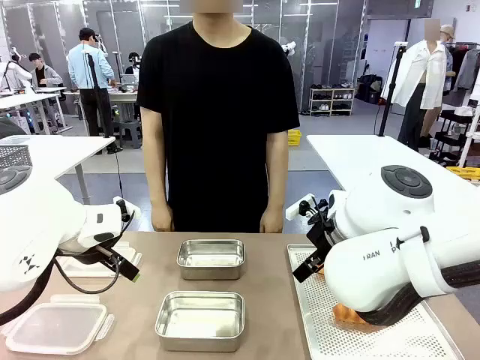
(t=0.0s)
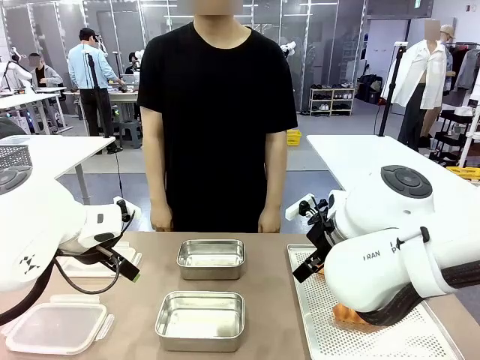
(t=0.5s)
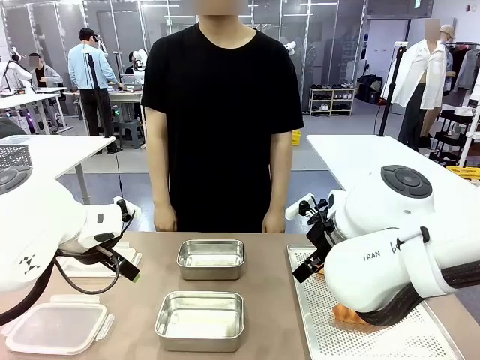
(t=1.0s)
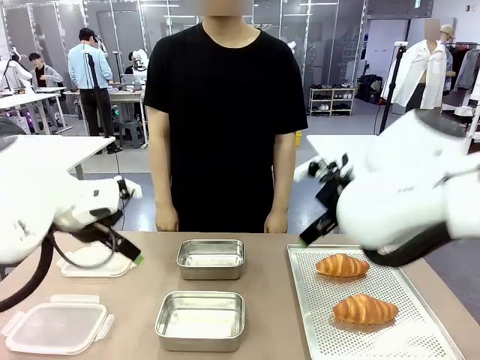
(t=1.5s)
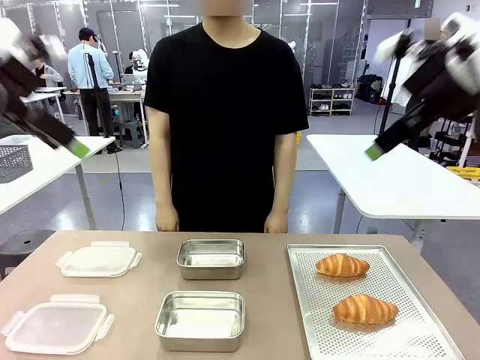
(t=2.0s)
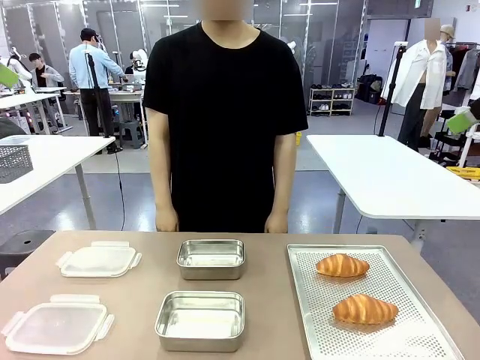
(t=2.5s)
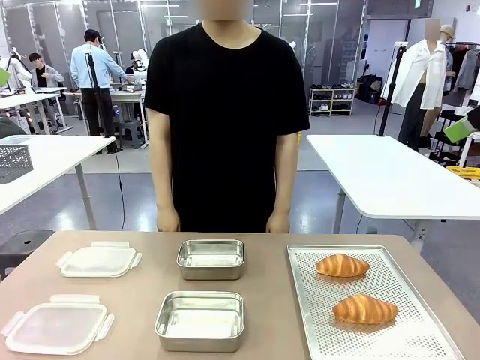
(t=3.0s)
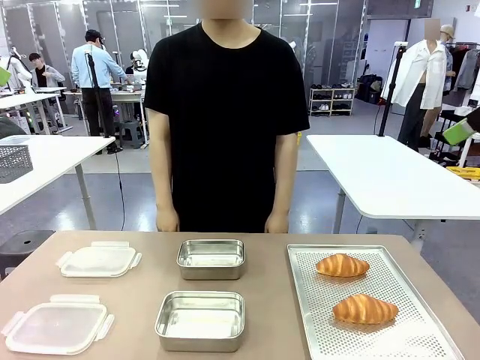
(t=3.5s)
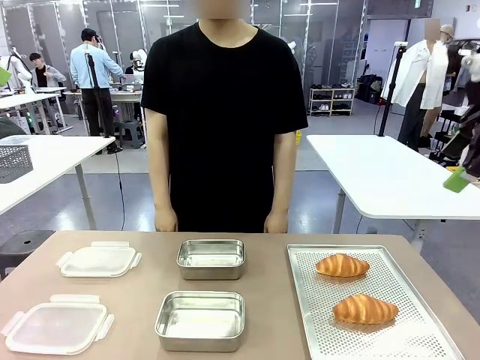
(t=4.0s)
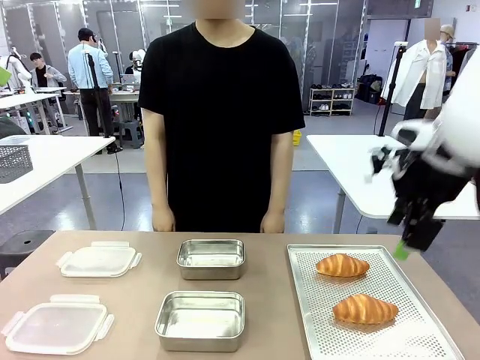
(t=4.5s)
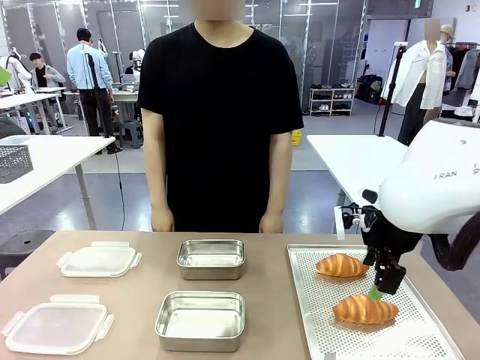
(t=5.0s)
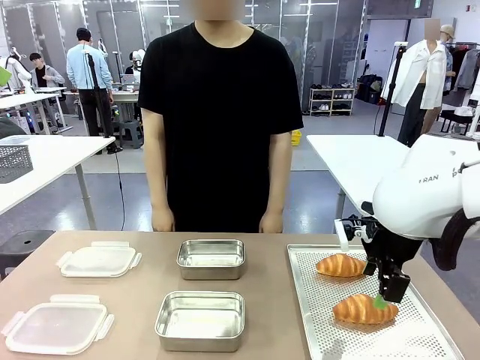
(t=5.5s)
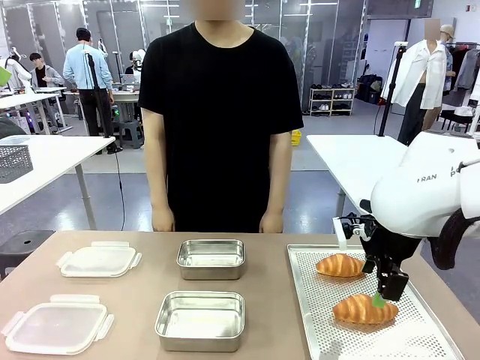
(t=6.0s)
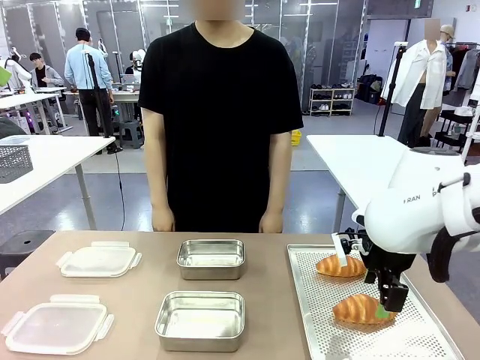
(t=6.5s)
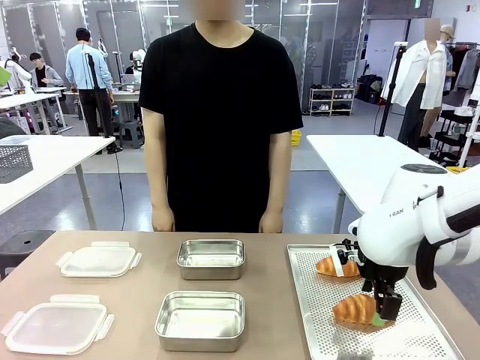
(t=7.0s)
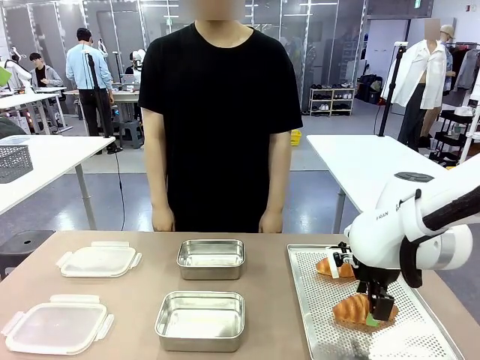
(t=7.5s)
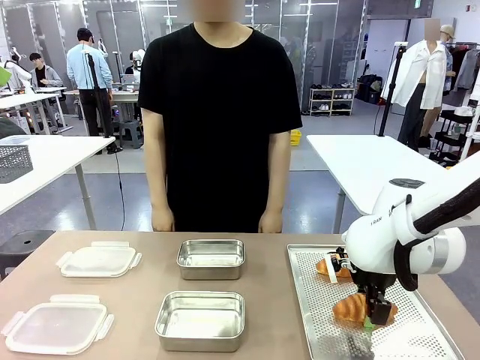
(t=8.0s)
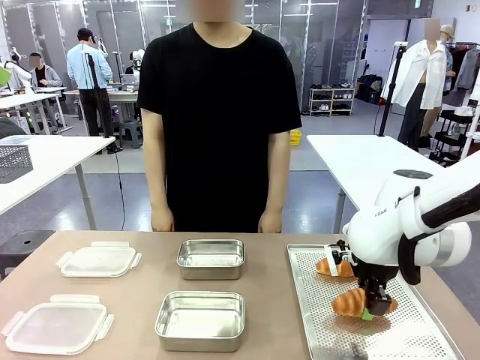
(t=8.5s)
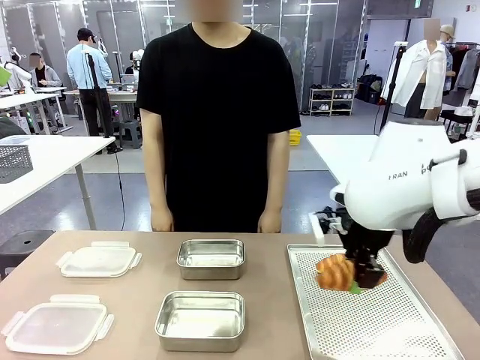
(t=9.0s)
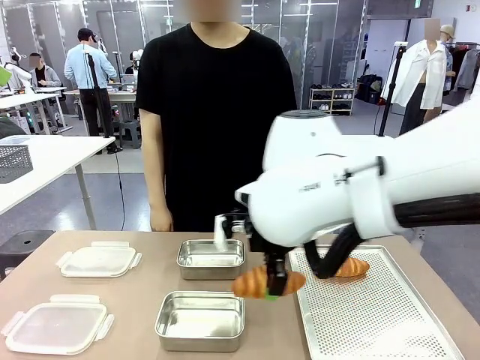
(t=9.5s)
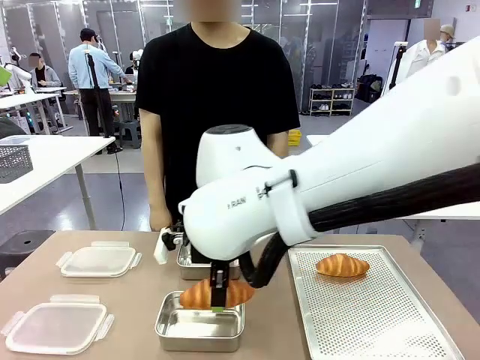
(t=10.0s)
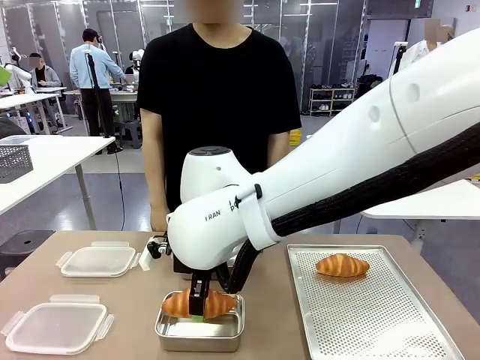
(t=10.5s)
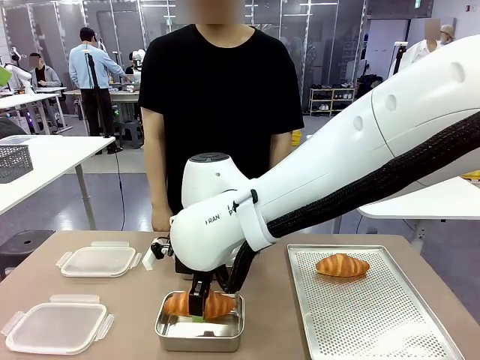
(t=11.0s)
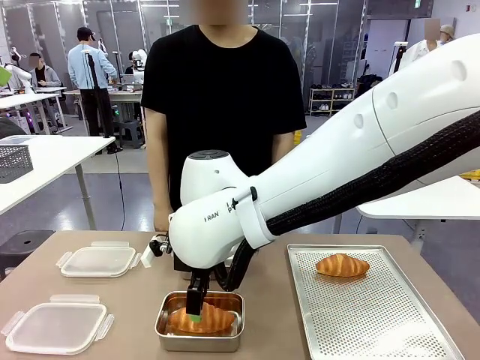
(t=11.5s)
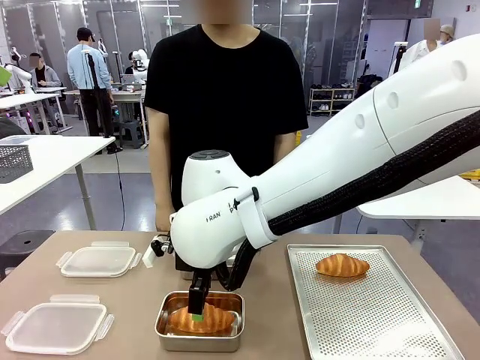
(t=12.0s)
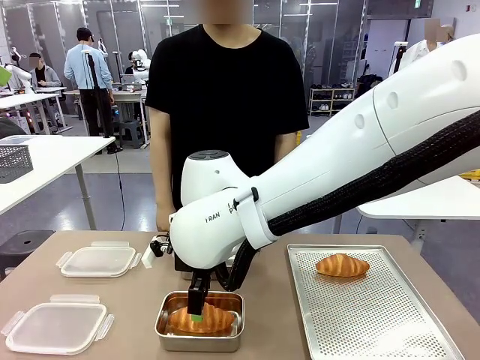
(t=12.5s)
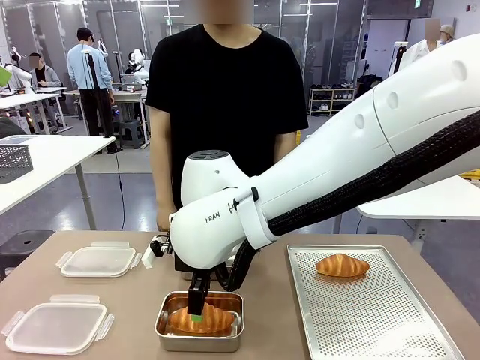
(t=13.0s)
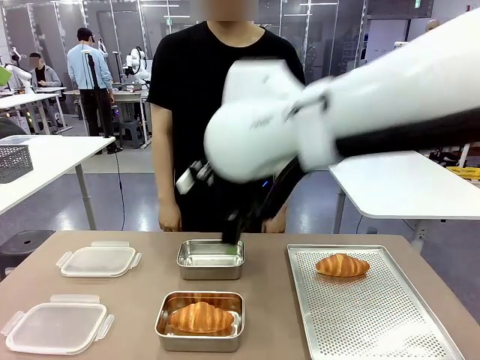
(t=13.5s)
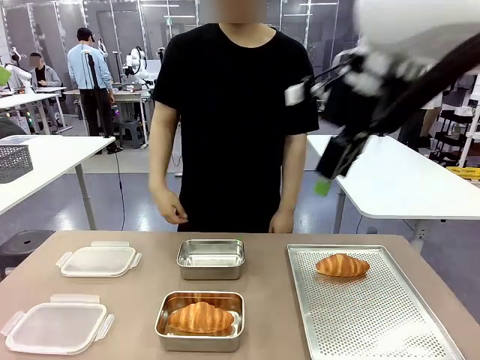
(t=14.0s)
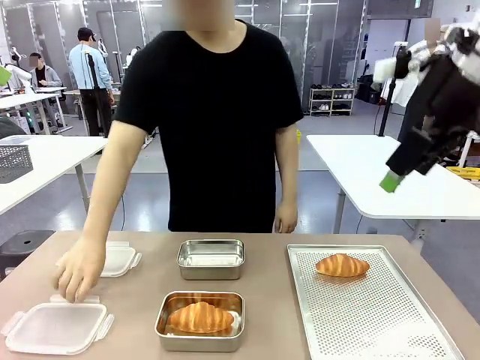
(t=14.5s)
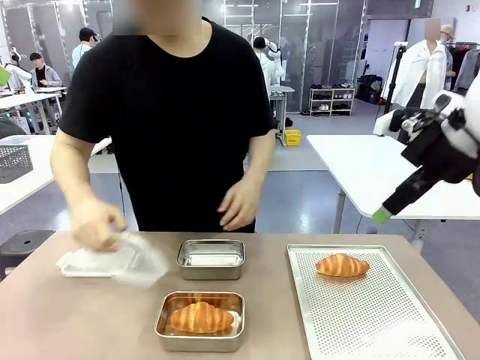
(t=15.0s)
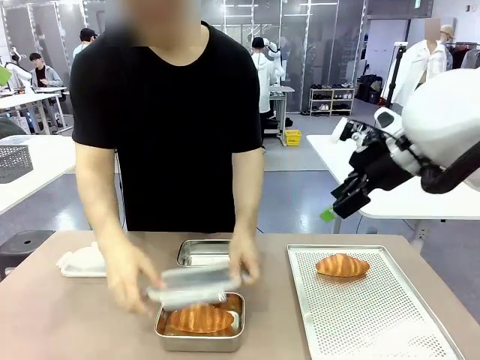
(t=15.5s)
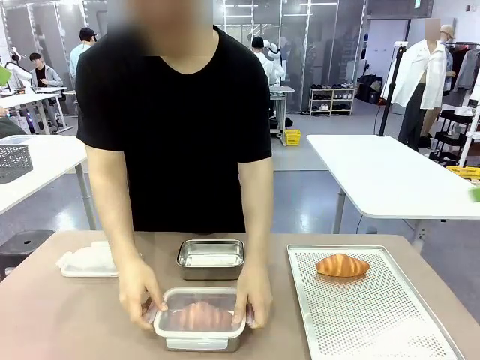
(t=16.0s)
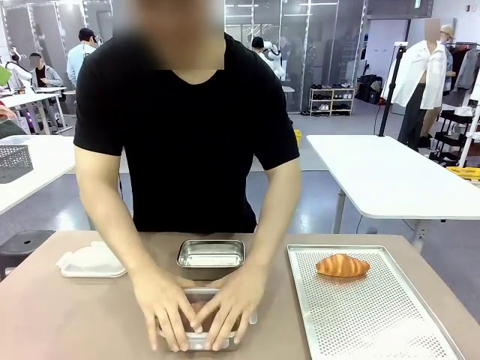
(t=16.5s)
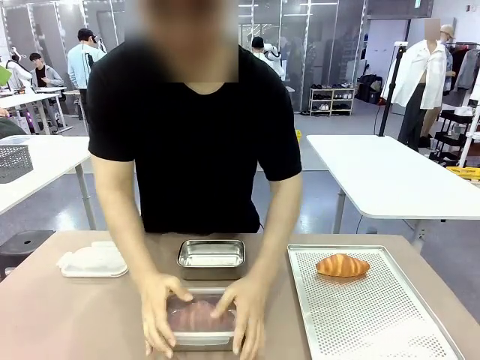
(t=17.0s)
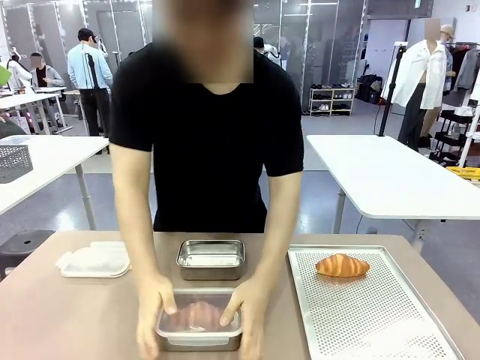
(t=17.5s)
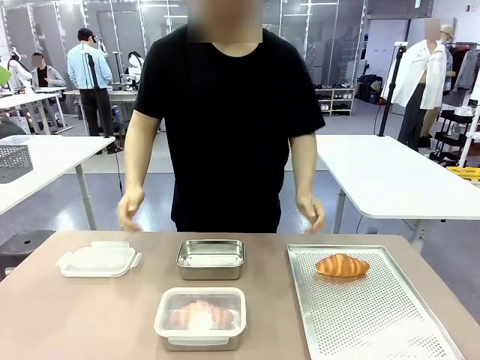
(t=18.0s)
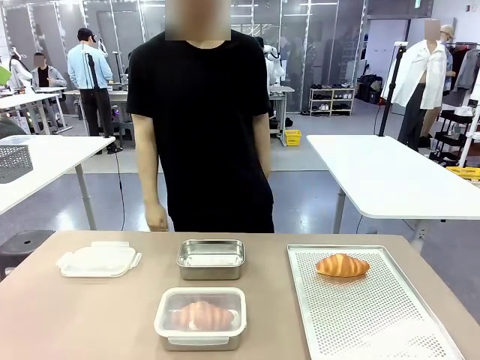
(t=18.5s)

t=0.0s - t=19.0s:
Task: Place the bread into the airtight container.
Robot: Pick up a Butter Roll and place it into an empty Airtight Container.

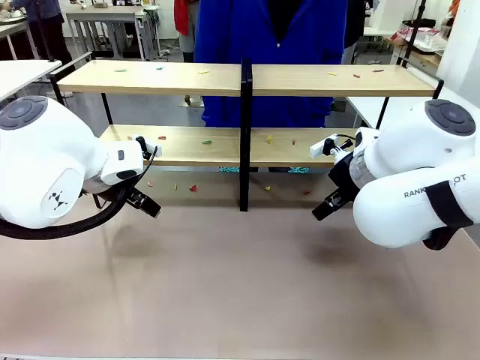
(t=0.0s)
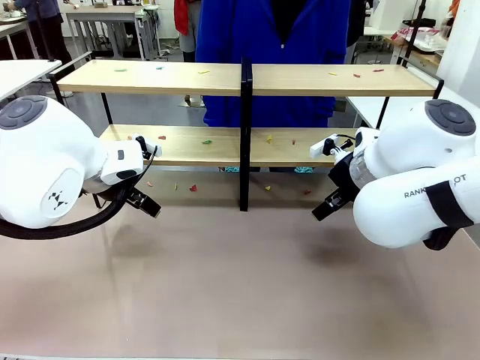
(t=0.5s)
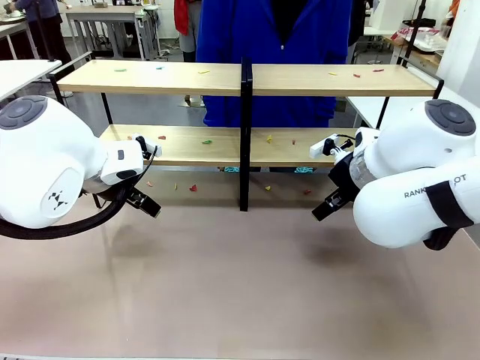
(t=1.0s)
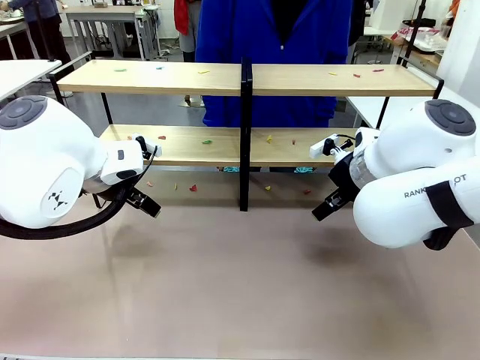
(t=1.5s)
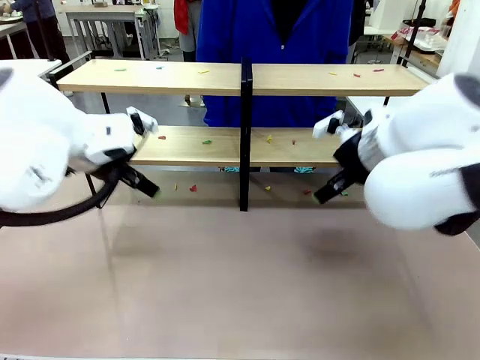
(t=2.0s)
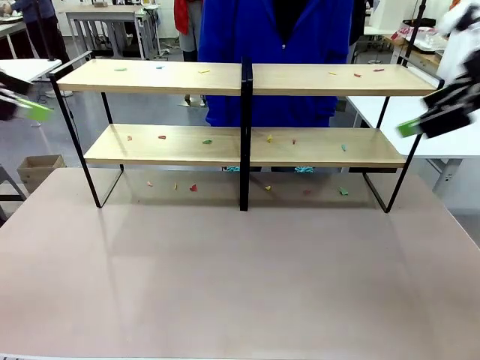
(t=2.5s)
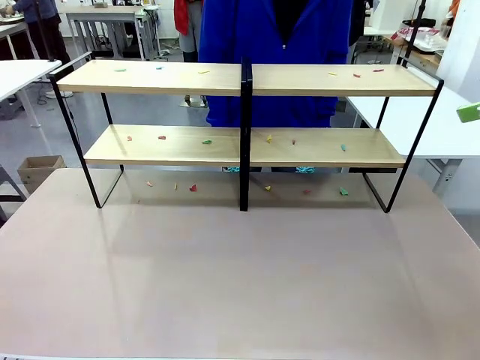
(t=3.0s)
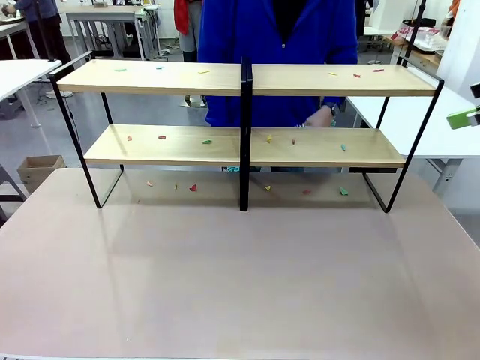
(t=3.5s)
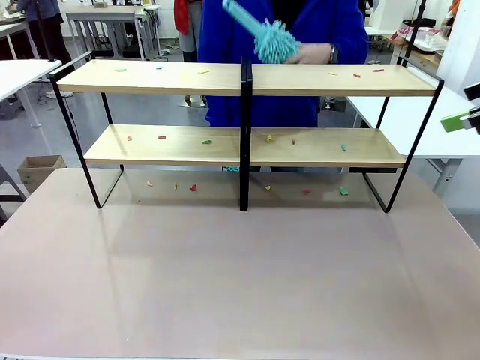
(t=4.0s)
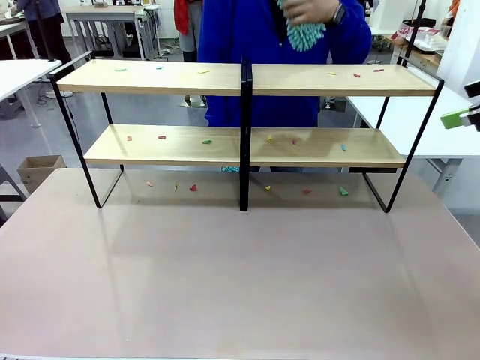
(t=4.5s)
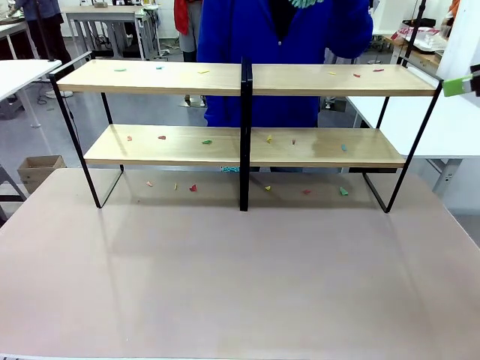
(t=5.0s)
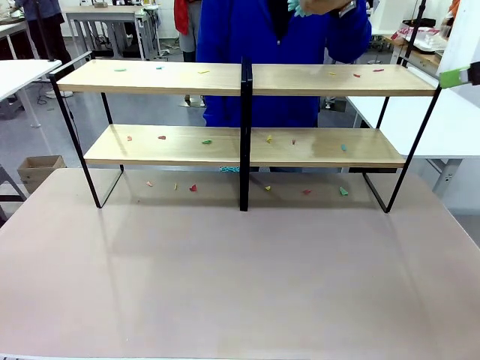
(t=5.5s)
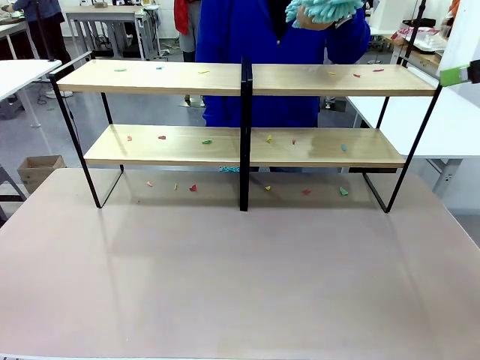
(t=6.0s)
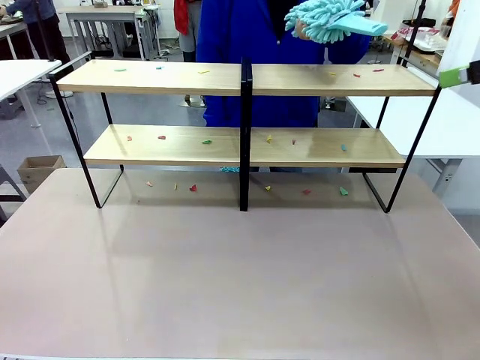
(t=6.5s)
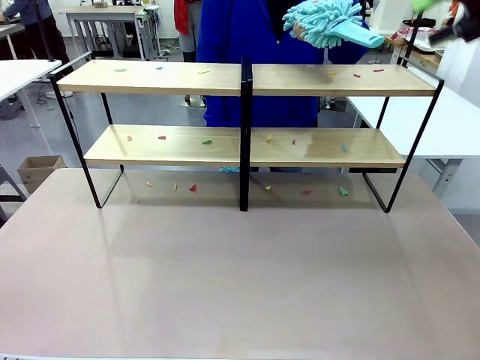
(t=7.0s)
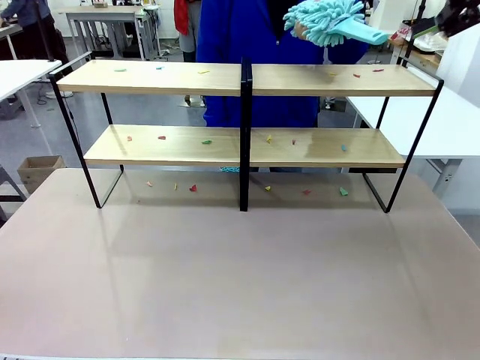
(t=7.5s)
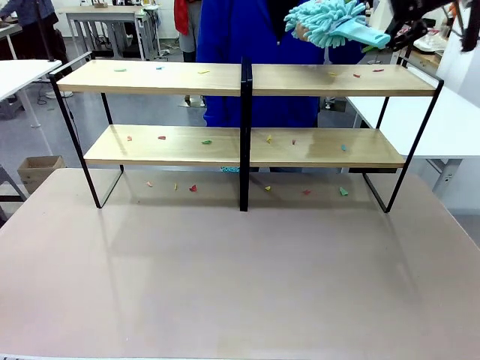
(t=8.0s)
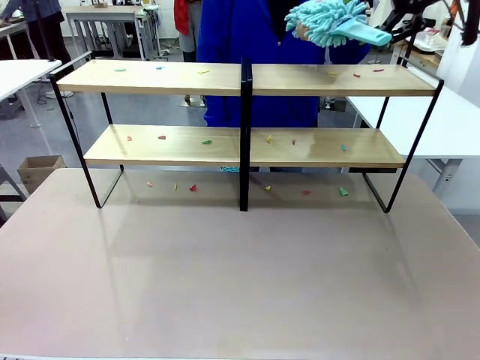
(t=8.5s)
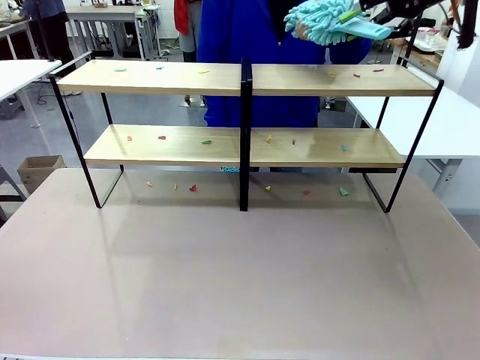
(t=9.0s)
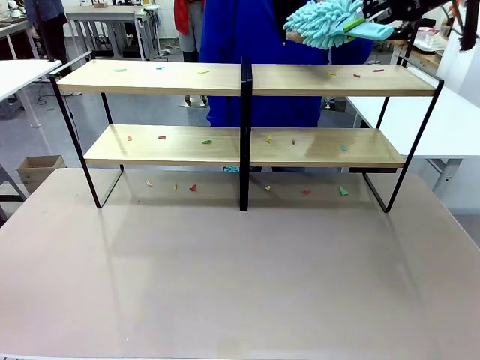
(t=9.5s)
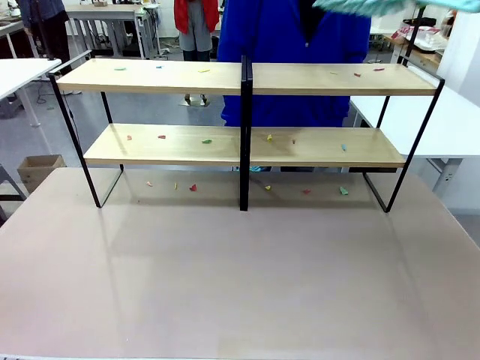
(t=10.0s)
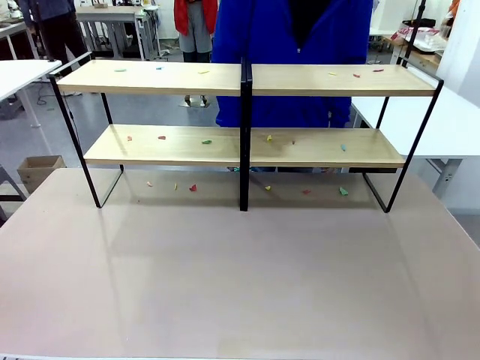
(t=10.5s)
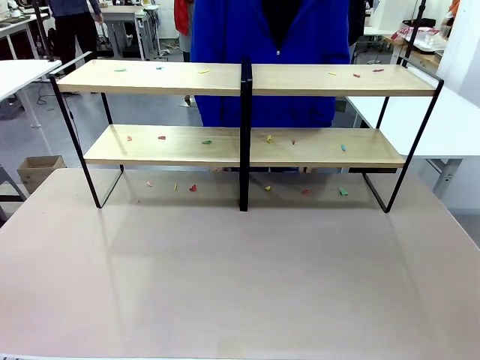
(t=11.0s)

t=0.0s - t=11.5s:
Task: Clean the shelves.
Robot: Pick up the Duster when the human hands it over.
Person: Hand the Duster to the robot with your right (or left) hand.
